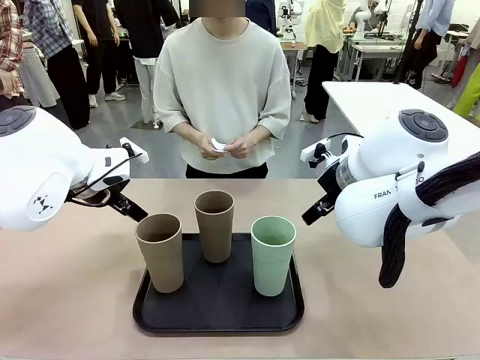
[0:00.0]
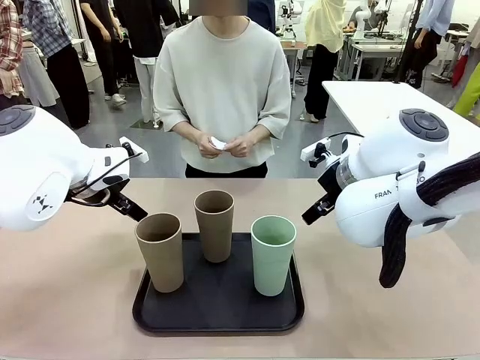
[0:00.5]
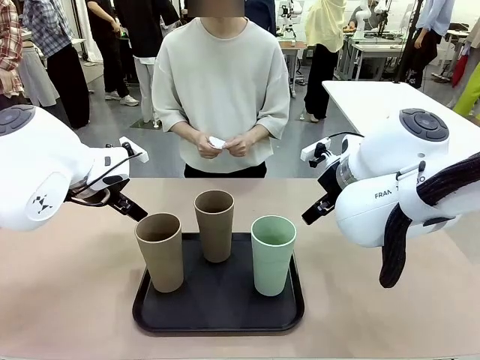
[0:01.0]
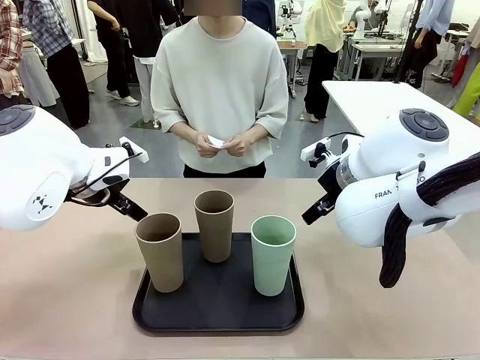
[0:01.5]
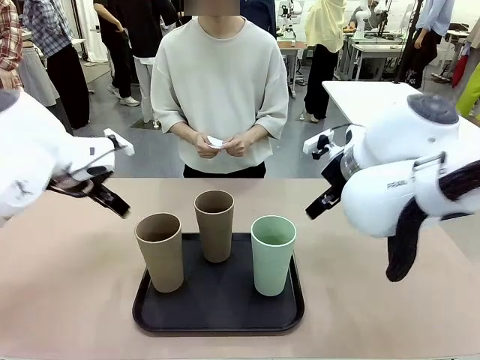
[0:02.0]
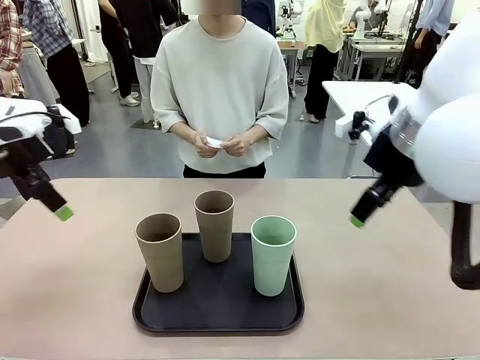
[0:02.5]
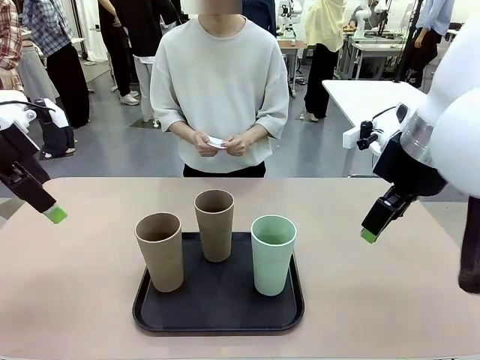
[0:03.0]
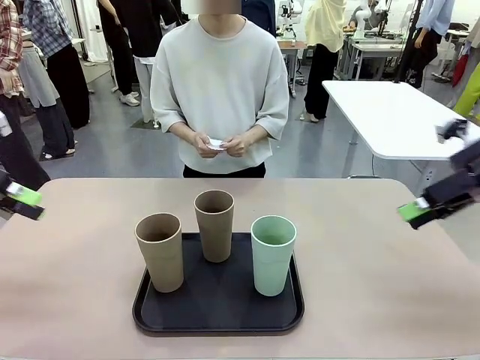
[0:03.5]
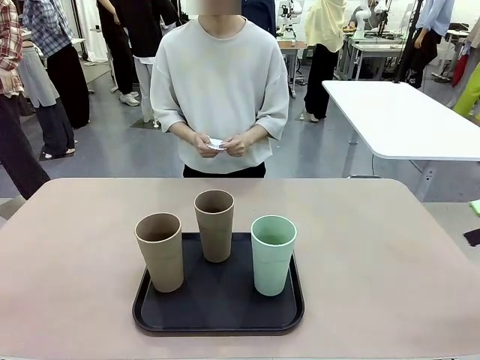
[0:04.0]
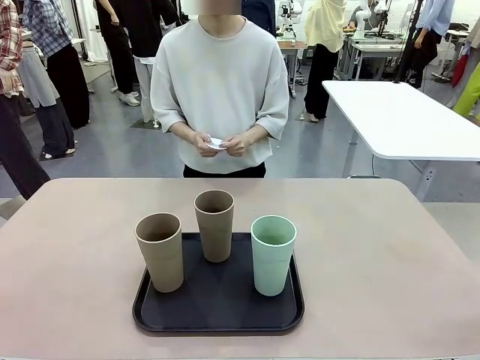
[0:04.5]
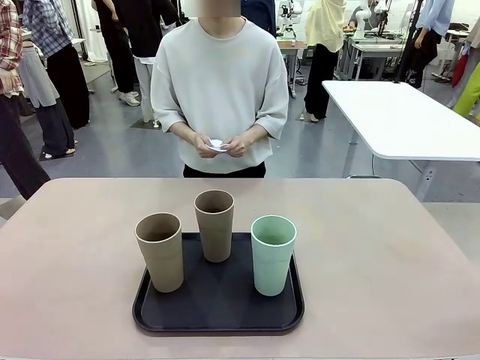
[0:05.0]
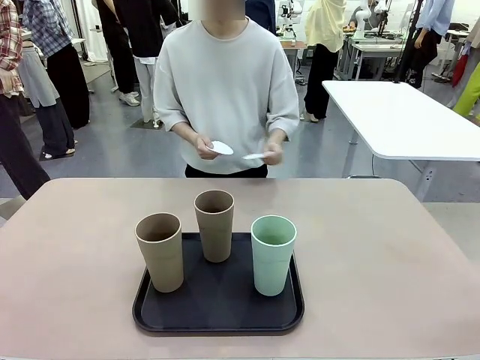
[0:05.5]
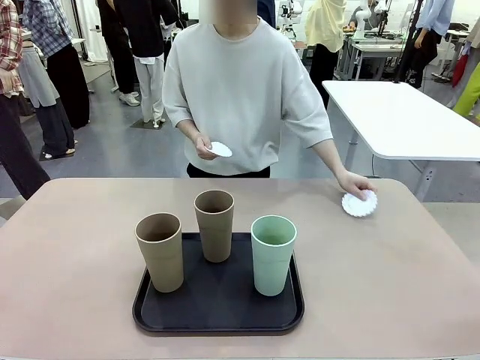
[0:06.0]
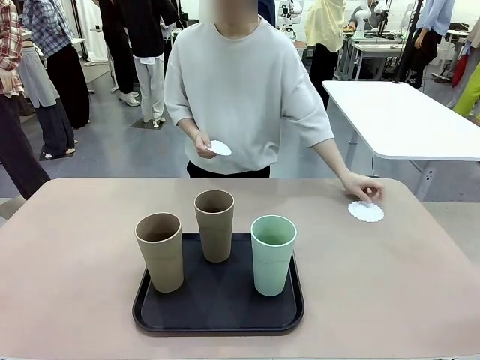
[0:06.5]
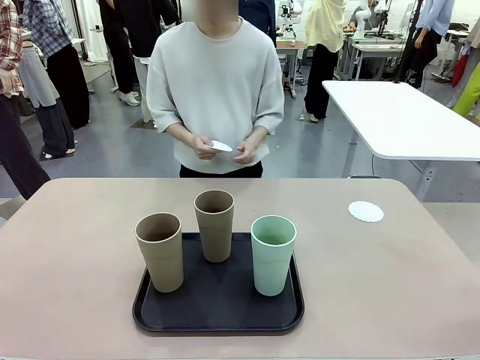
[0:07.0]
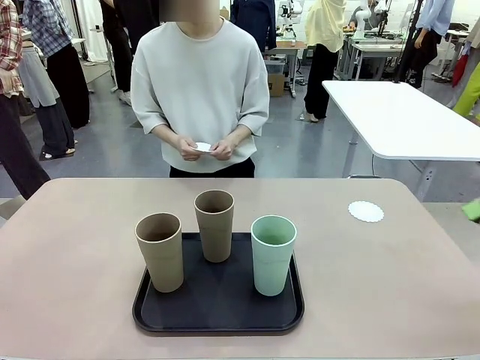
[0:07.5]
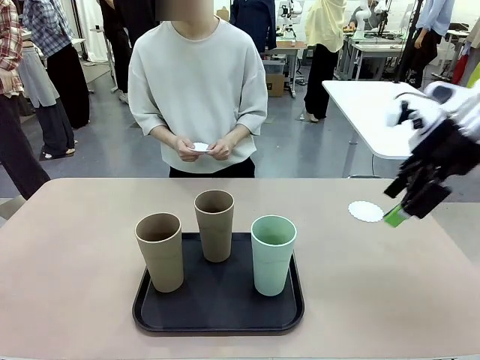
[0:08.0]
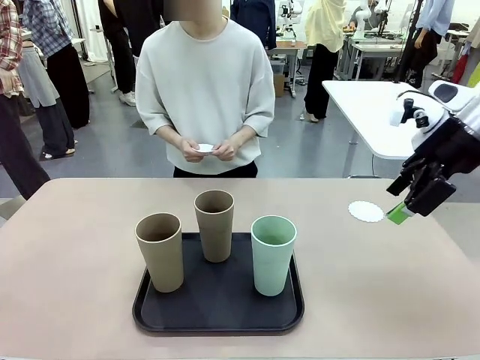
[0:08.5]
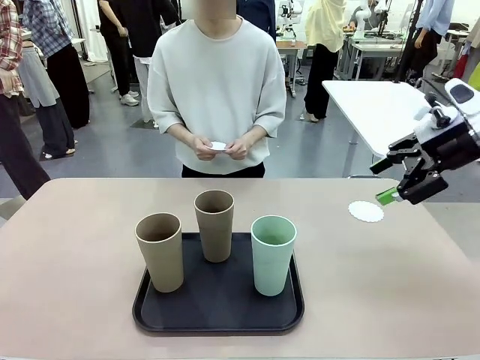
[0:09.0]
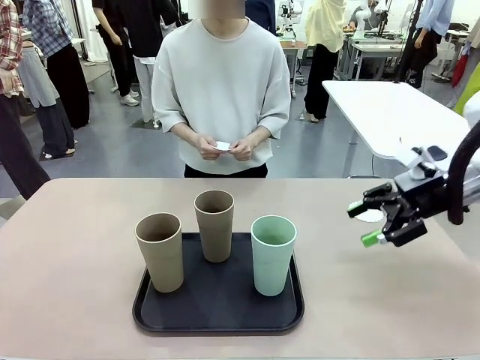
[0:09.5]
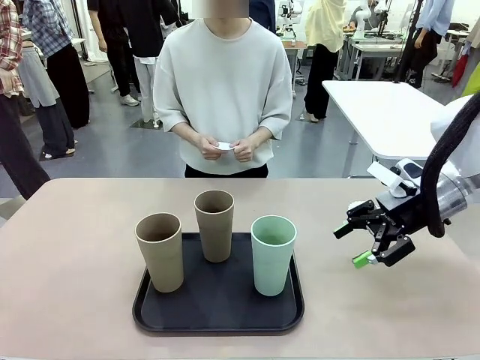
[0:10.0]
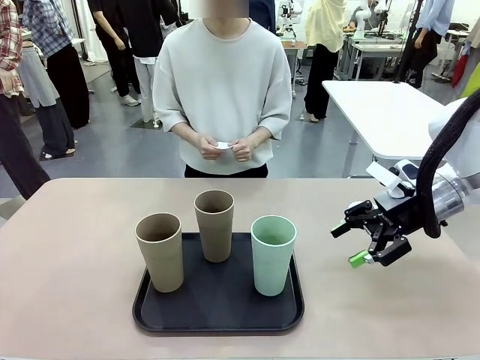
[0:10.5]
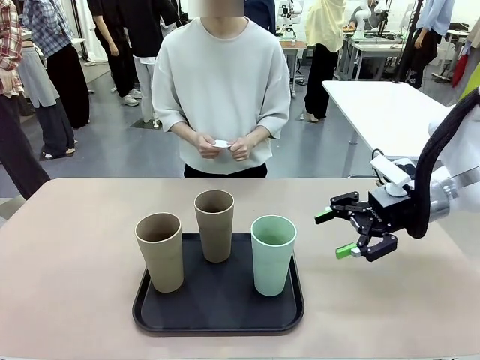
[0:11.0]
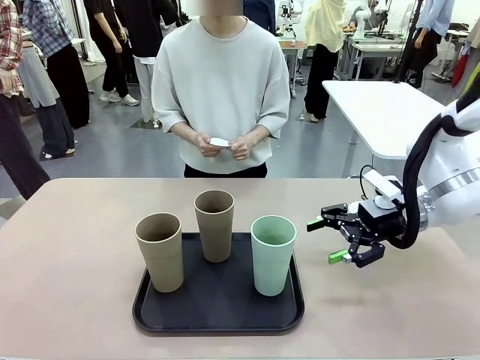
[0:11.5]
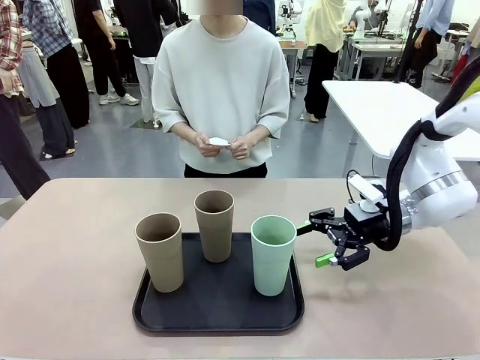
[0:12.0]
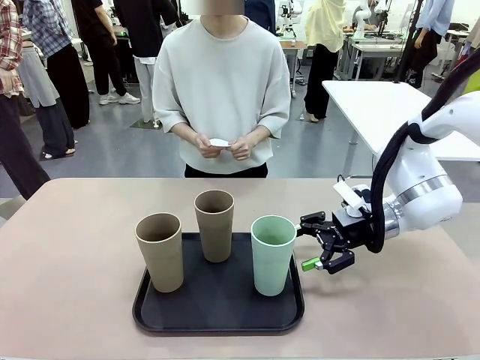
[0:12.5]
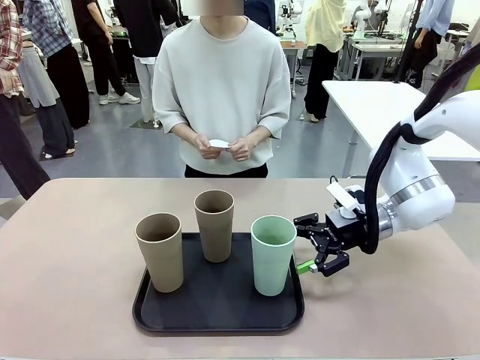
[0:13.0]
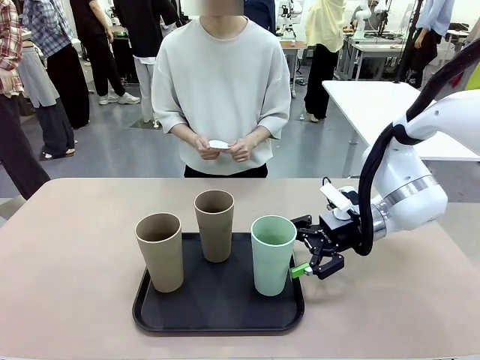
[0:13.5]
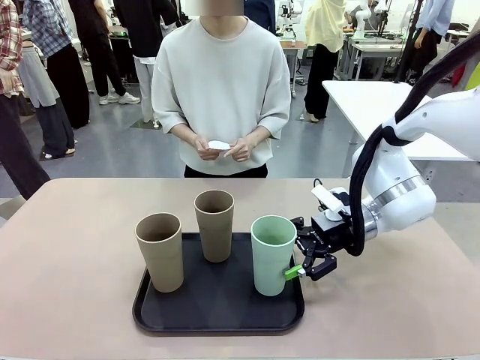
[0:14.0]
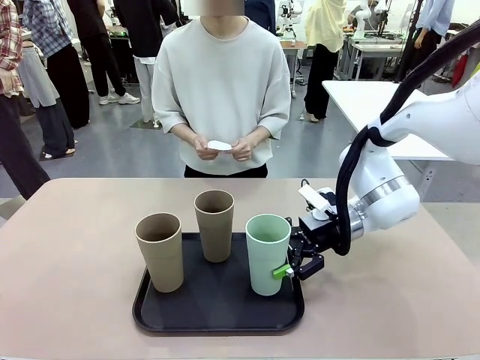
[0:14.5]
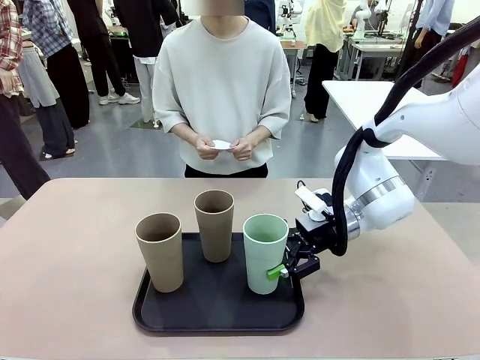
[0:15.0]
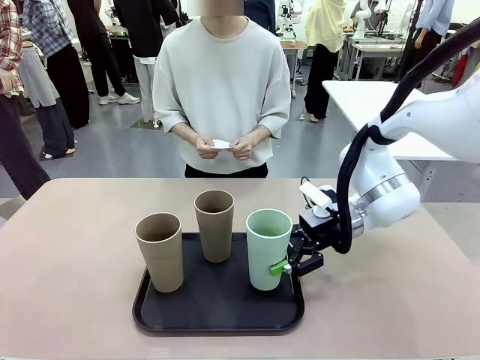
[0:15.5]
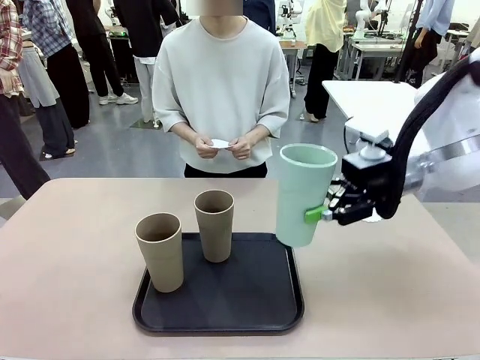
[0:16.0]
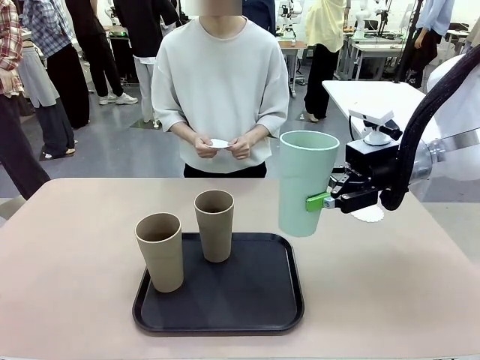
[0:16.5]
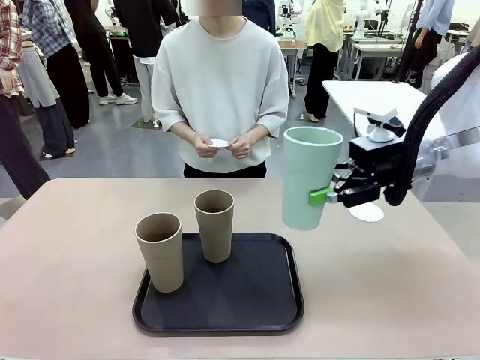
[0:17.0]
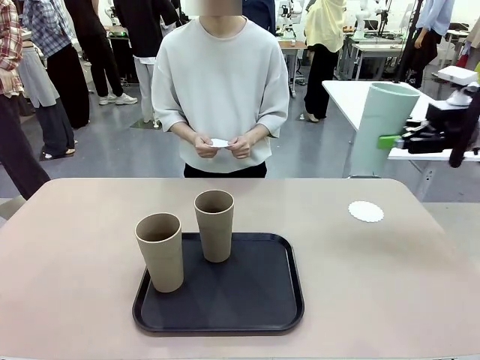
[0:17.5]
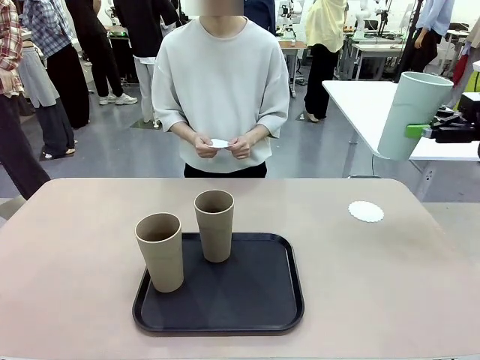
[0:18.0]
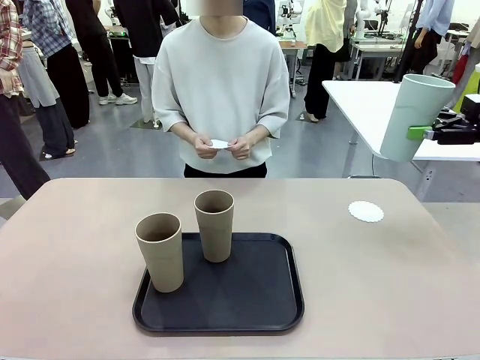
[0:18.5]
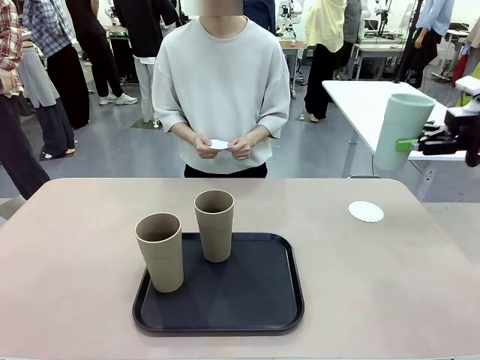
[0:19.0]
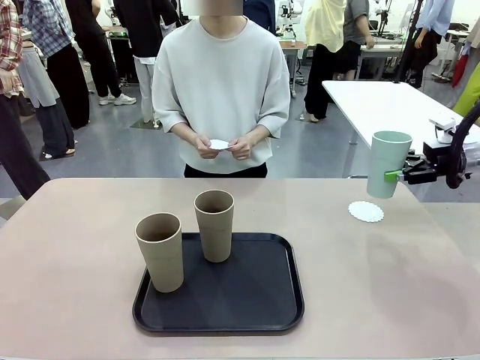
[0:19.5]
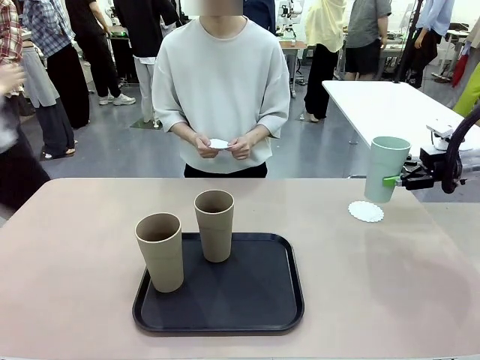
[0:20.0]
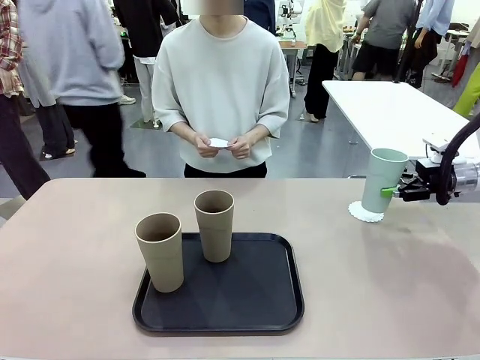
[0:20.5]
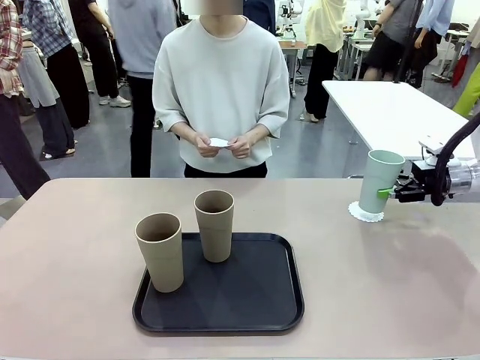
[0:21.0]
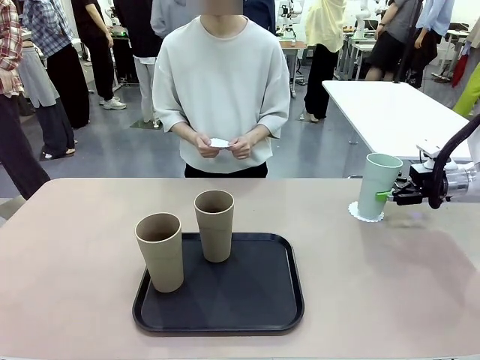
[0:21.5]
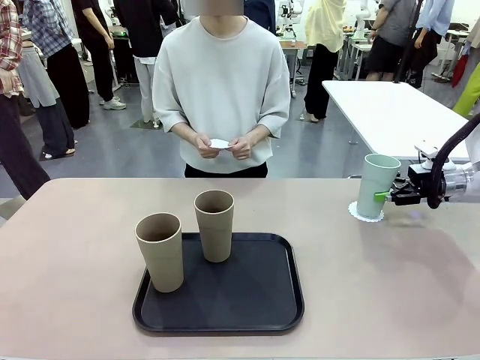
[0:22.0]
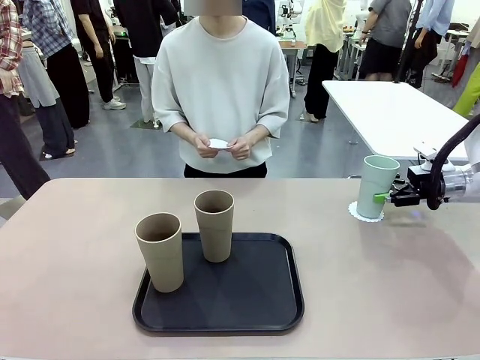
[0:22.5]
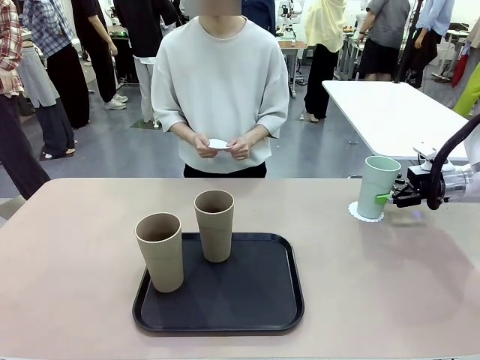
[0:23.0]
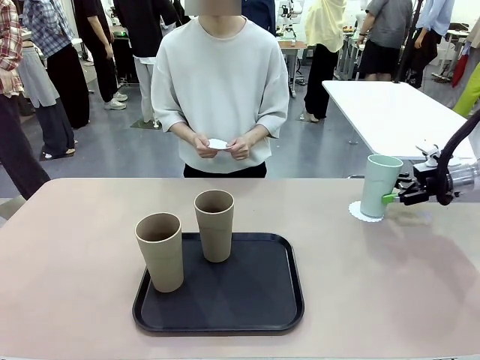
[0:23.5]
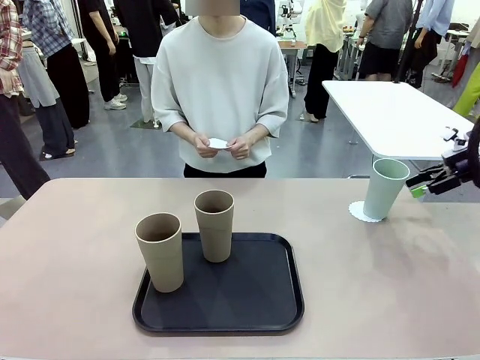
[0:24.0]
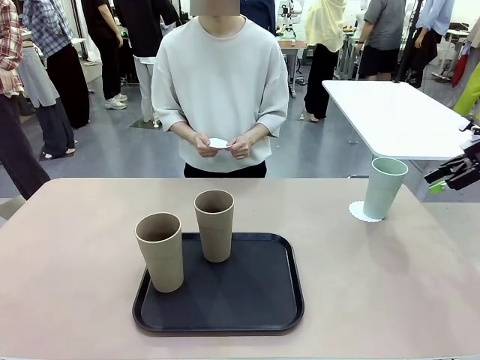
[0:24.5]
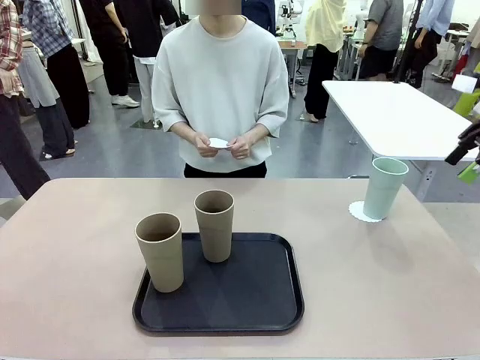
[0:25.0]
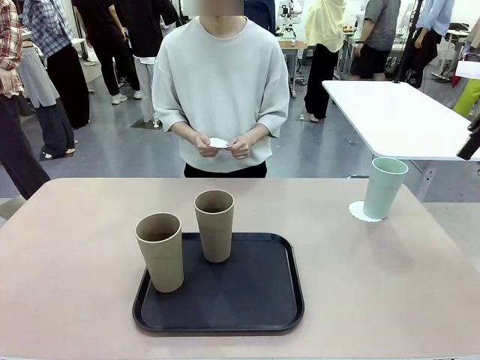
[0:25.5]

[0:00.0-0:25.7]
Task: Place coasters on the table and set cups on them.
Robot: Pick up one Reusable plastic cup and place it on a coaster set by the human.
Person: Place one coaster in any one of the three lower areas of the robot table (left, center, or right). Place one coaster in one of the two areas excluding the previously selected area.
